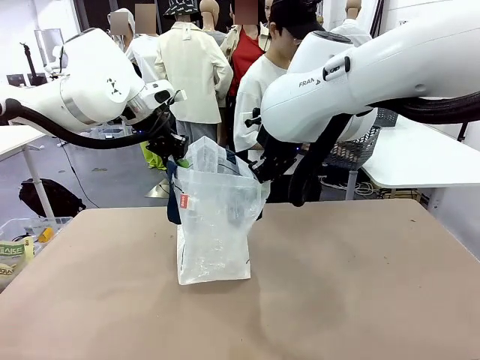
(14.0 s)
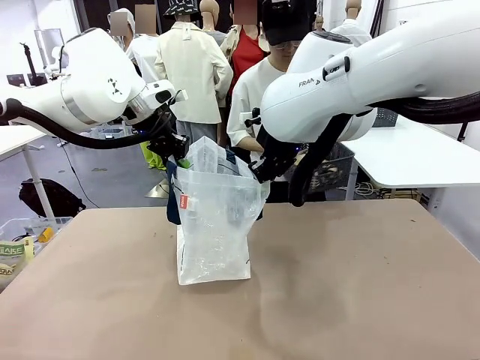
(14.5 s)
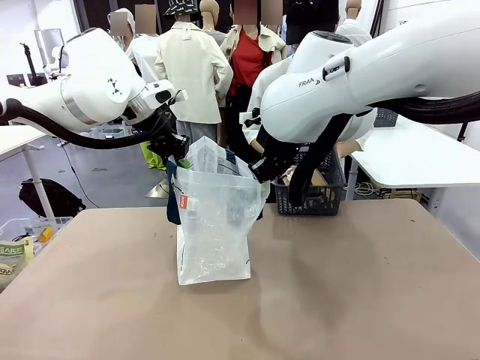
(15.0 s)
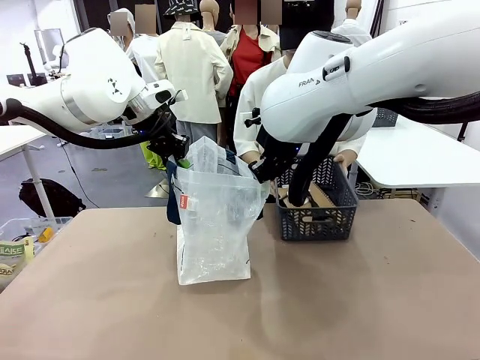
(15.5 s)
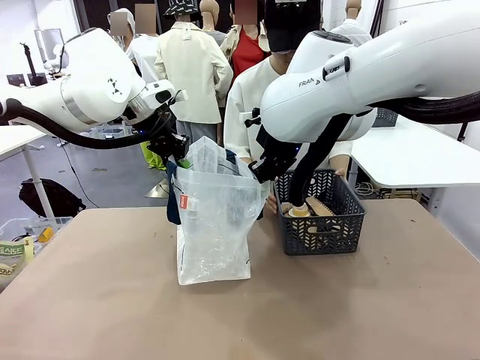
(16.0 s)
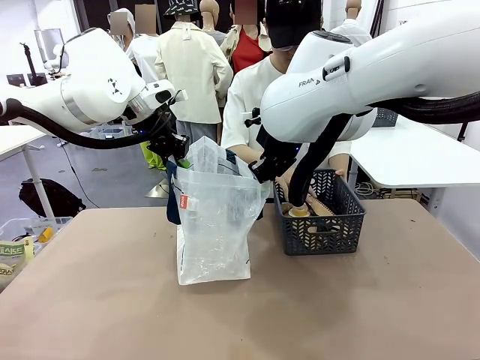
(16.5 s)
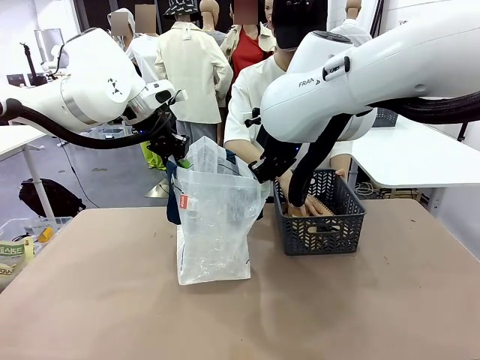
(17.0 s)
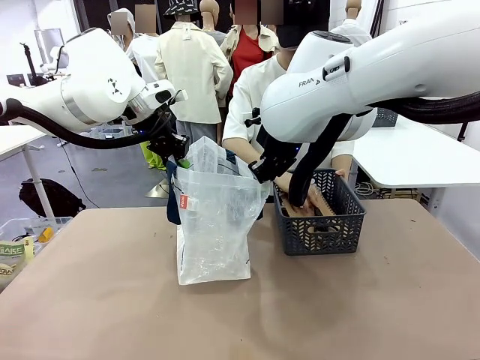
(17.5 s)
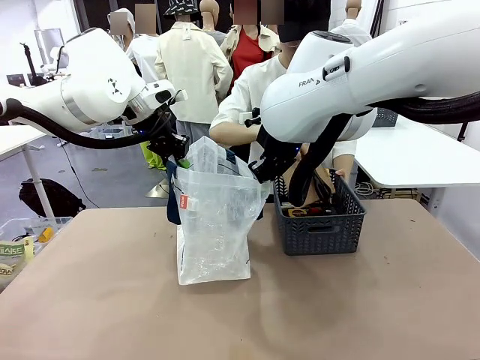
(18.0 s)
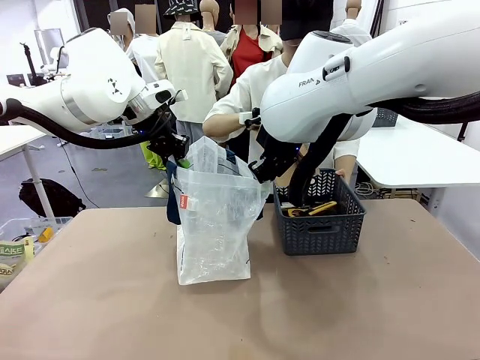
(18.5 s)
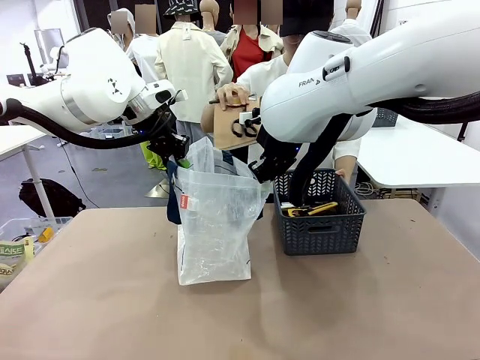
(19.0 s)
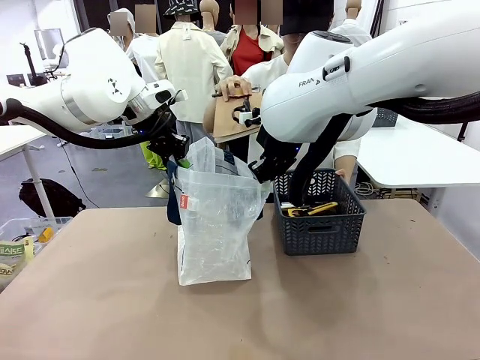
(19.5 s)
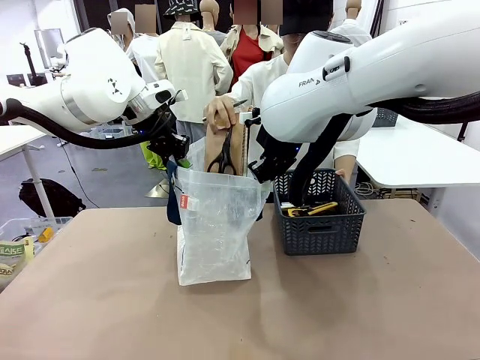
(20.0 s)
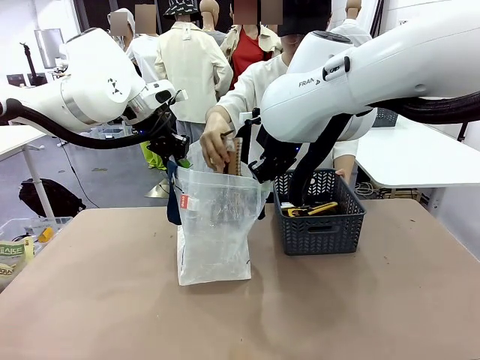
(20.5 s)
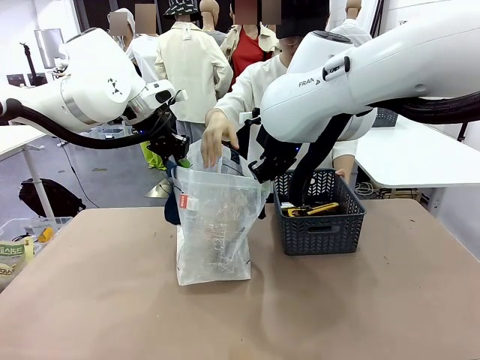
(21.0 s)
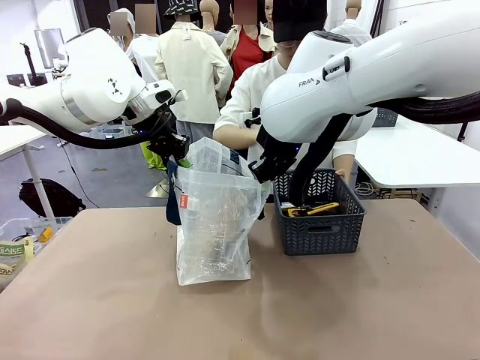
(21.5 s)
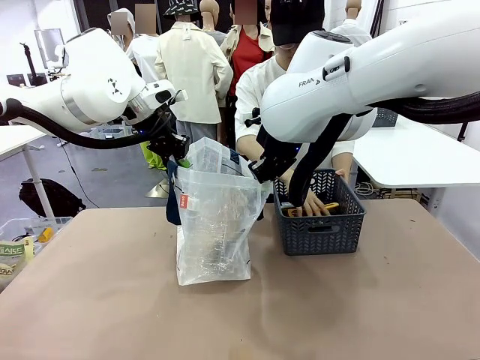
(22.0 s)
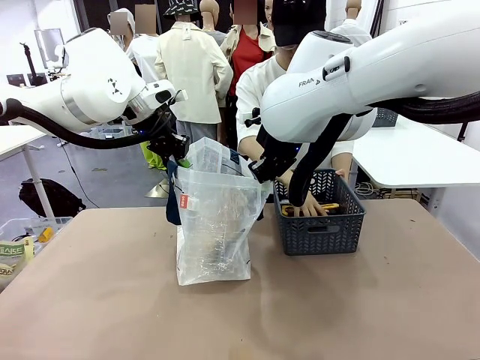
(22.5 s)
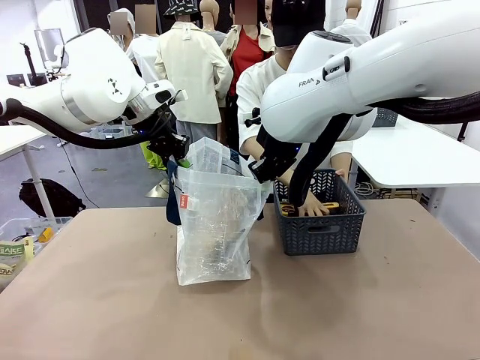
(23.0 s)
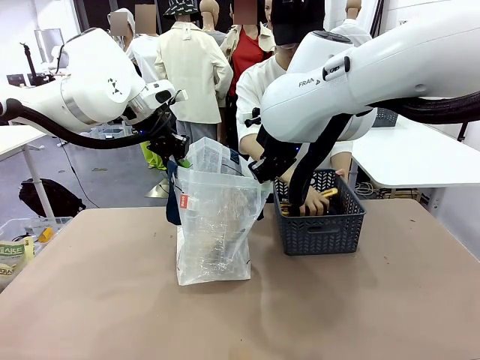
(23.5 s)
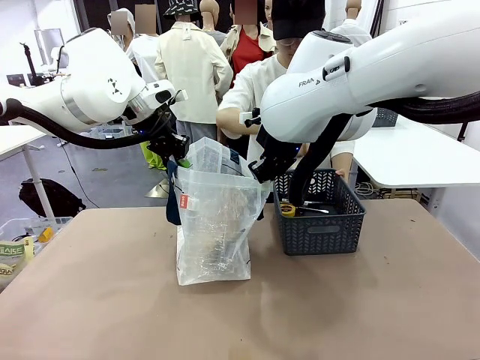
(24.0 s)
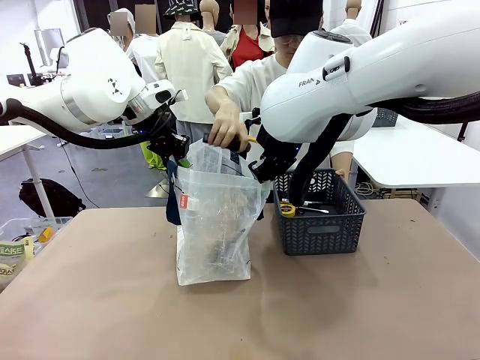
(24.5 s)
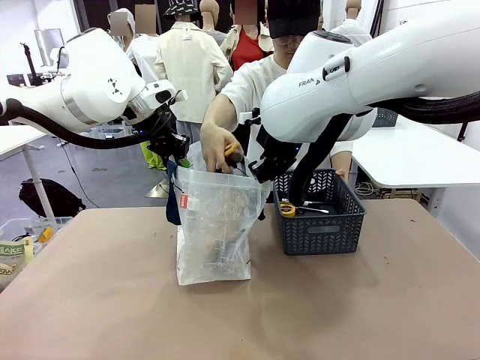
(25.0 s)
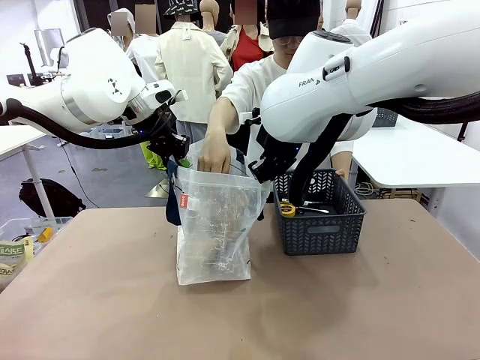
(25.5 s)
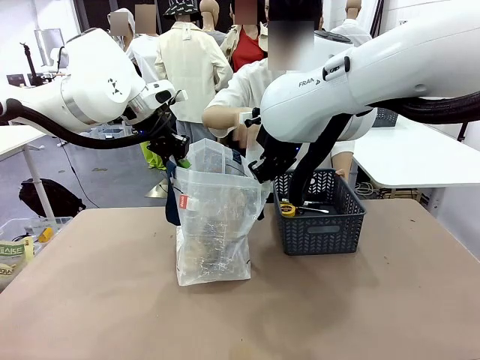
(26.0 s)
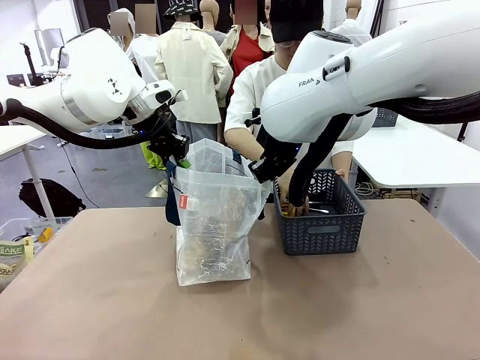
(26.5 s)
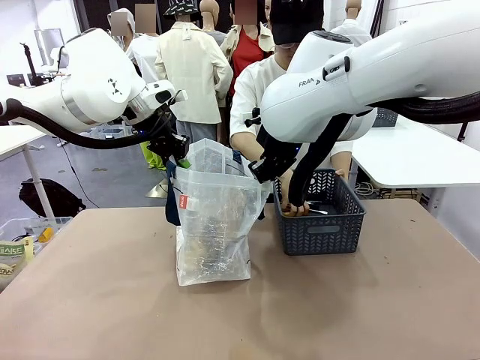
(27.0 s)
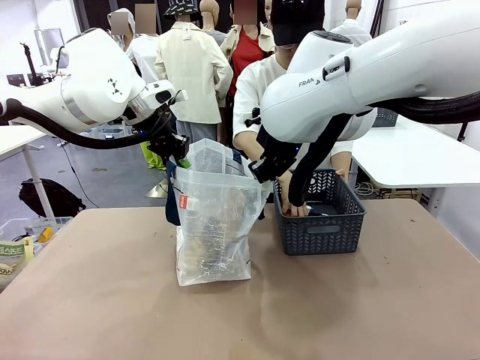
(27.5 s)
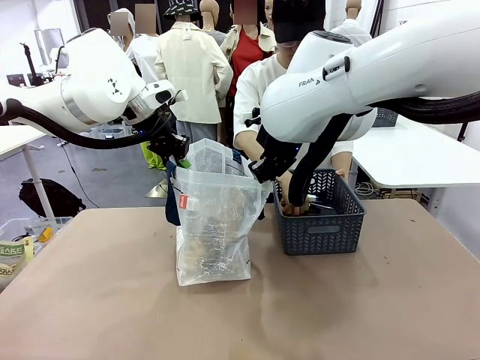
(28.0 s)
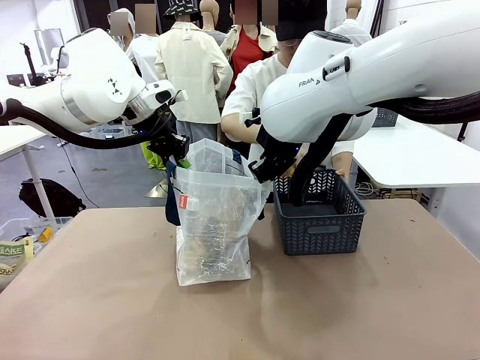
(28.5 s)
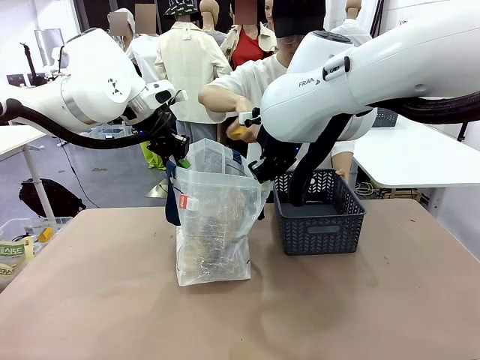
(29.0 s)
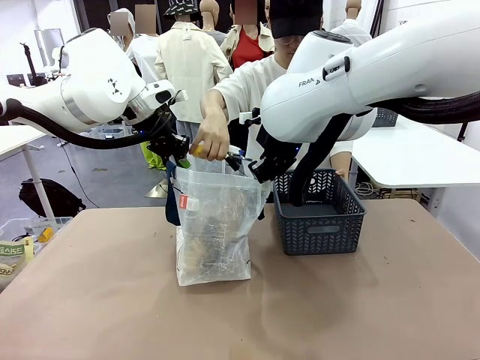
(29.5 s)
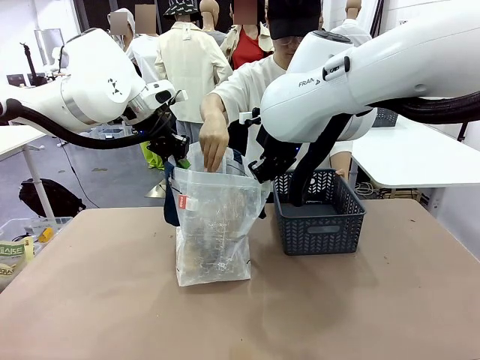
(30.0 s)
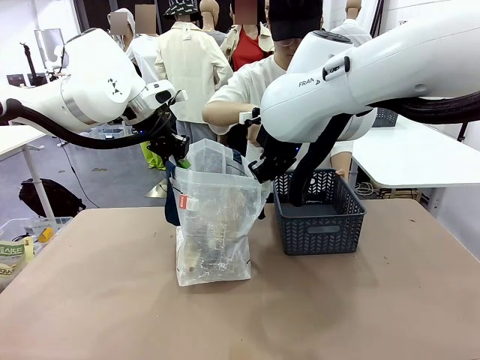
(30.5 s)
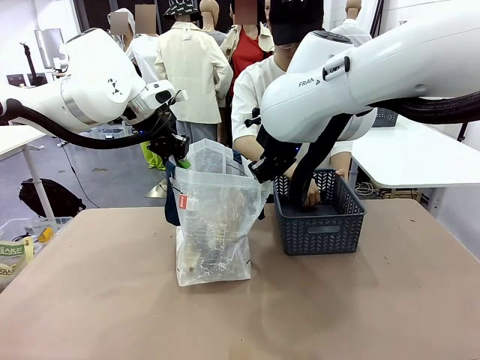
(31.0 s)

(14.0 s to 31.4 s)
Task: Transfer purchased items from the store into the shopping bag.
Robot: Move the Reusable shopping bag to the right side of the table.
Person: Pick up the basket on the right, place it on the left side of the robot table, and move the items in the basket to the shopping bag.

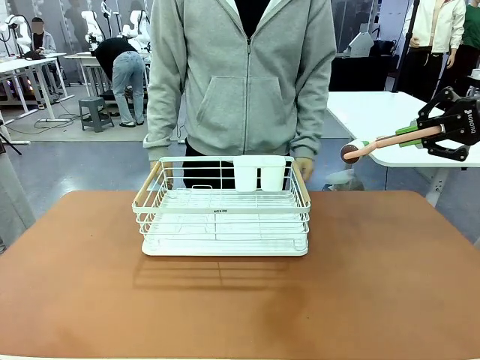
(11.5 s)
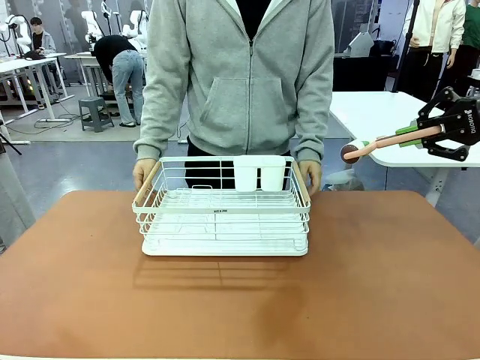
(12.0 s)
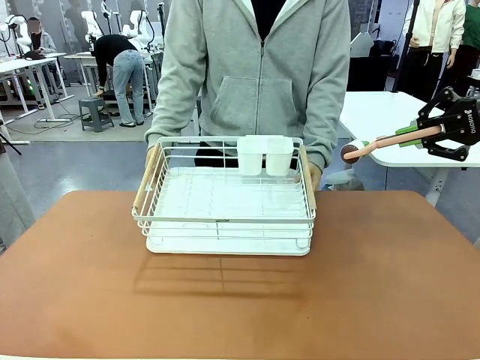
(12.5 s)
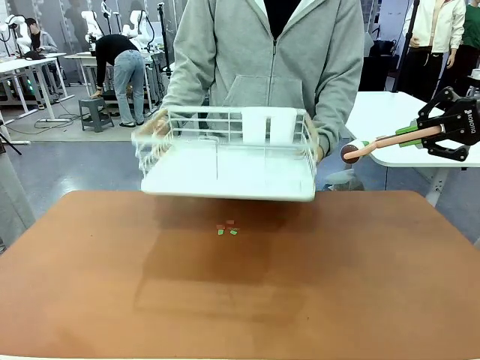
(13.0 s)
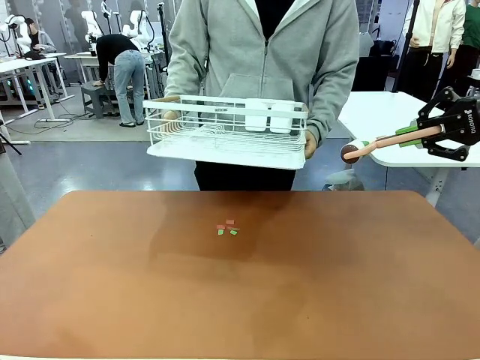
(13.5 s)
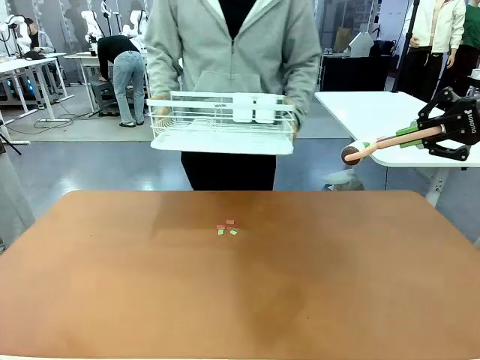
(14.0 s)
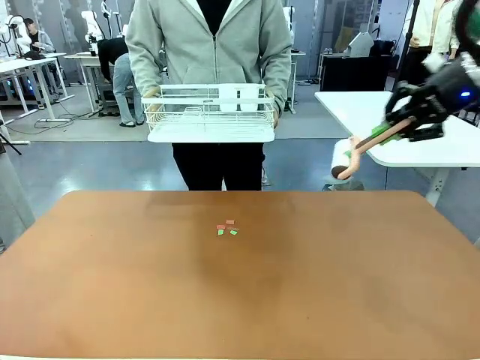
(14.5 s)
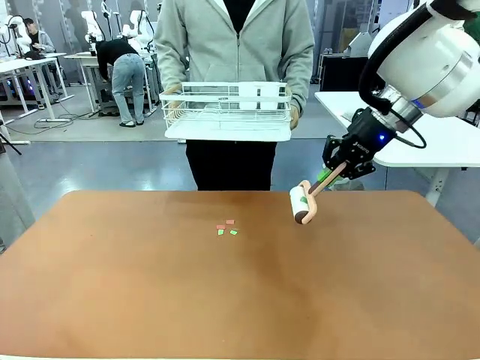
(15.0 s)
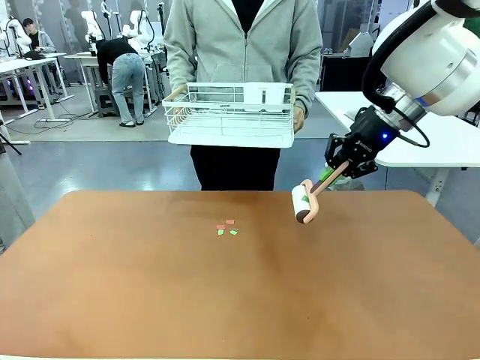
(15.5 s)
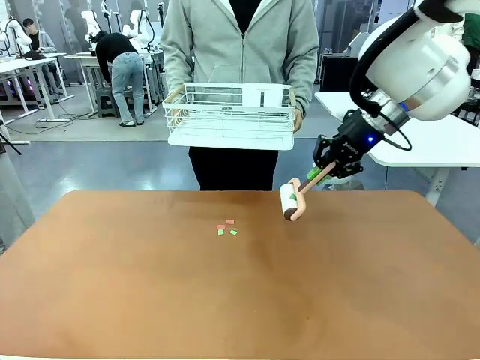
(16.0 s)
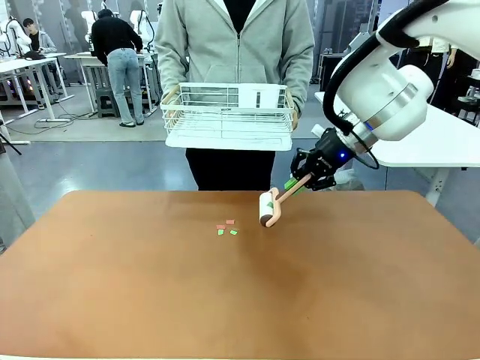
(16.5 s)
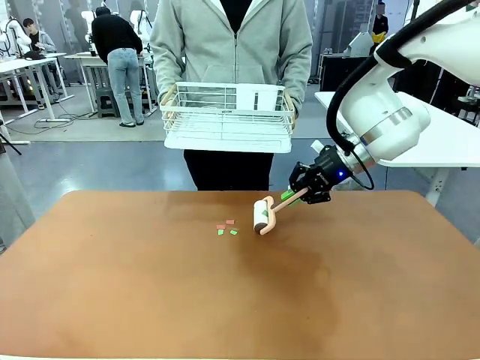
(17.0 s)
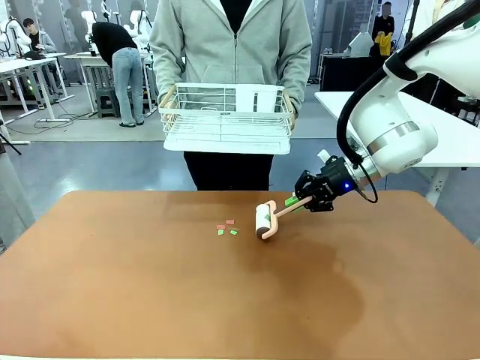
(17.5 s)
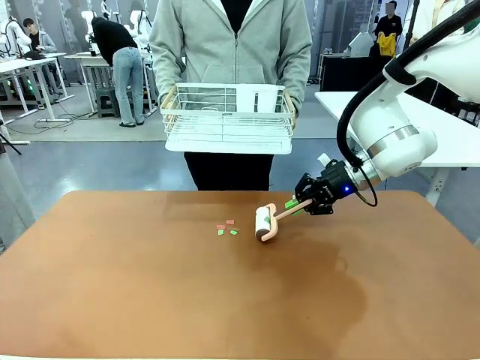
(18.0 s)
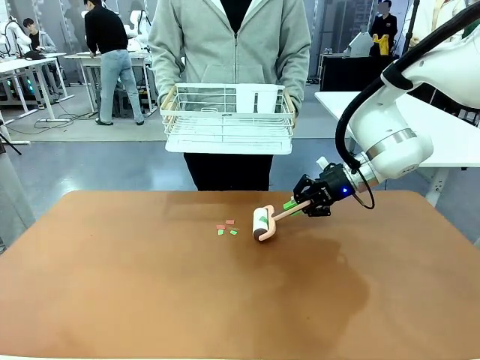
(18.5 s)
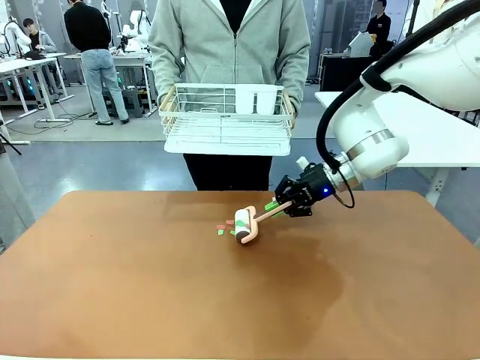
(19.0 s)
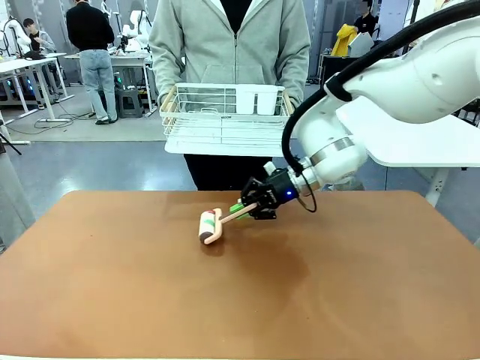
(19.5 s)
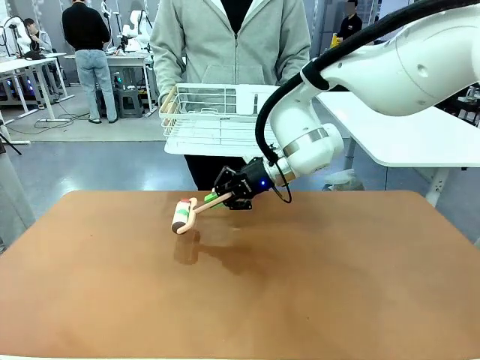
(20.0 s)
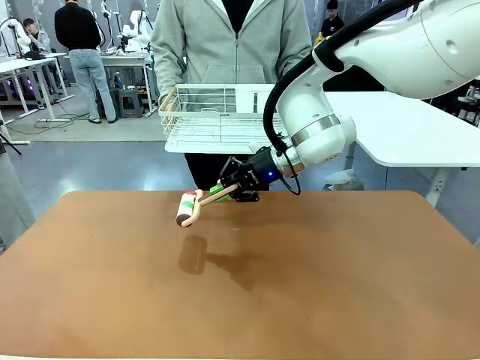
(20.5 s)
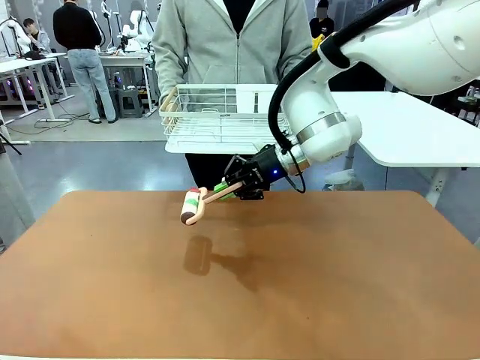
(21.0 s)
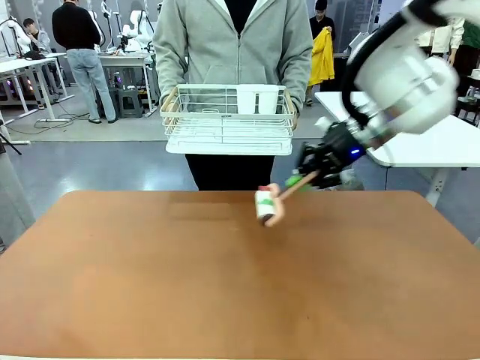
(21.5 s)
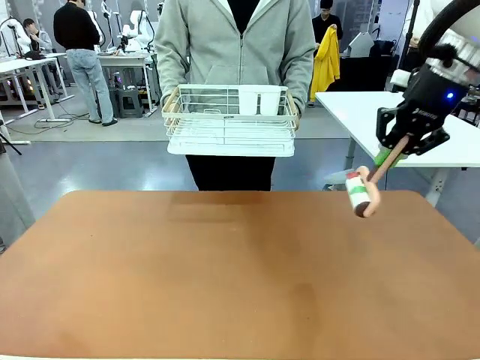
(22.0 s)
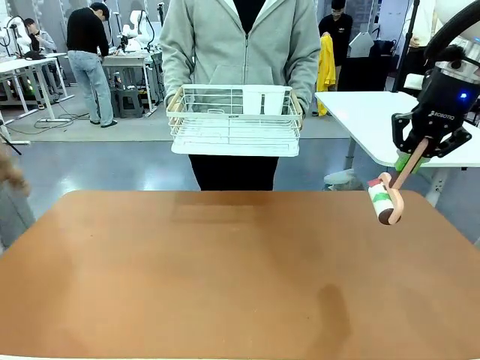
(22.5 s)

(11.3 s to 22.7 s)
Task: Clean the table.
Robot: Clean the table with the Lint Roller when the human lifts the Dish drying rack.
